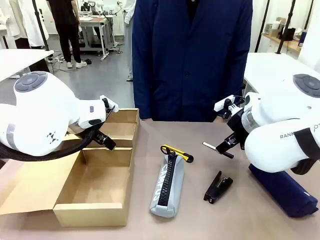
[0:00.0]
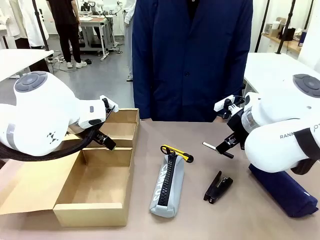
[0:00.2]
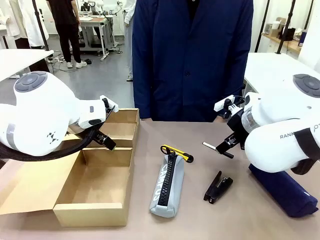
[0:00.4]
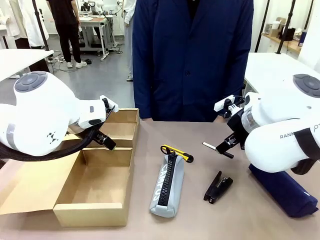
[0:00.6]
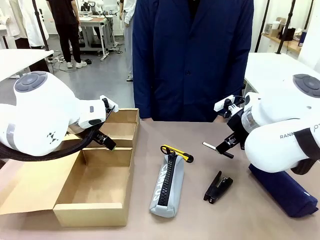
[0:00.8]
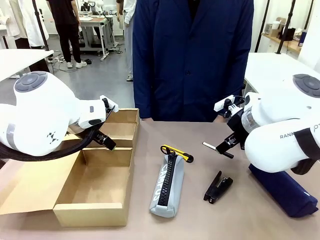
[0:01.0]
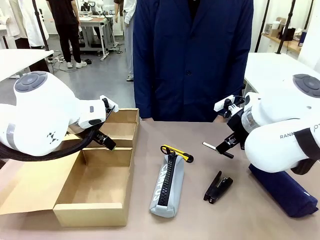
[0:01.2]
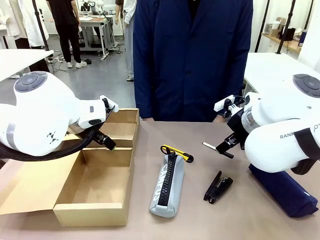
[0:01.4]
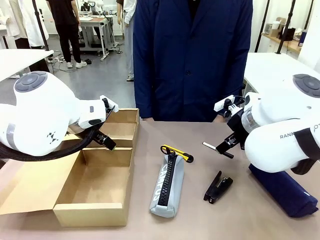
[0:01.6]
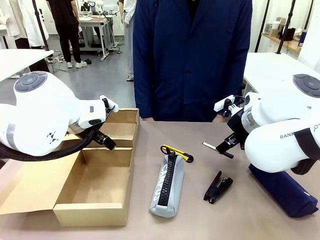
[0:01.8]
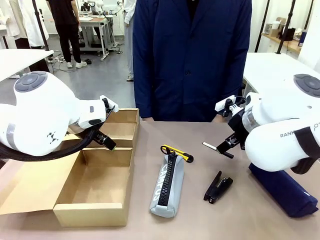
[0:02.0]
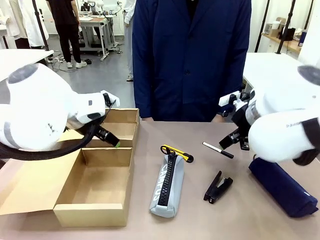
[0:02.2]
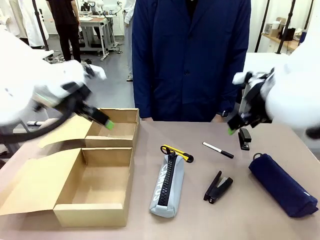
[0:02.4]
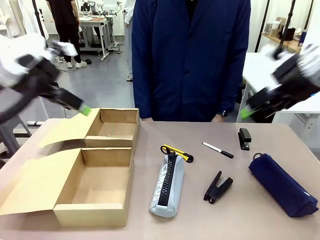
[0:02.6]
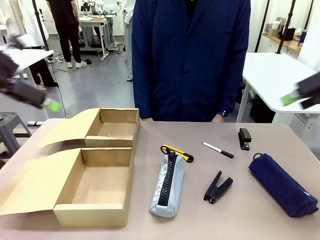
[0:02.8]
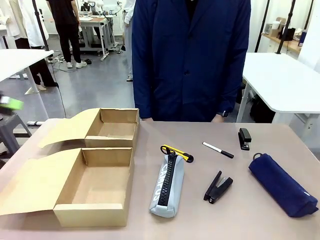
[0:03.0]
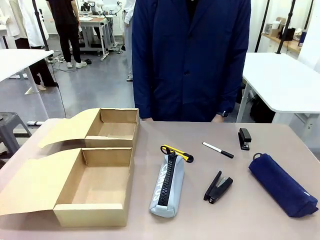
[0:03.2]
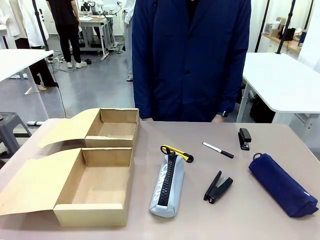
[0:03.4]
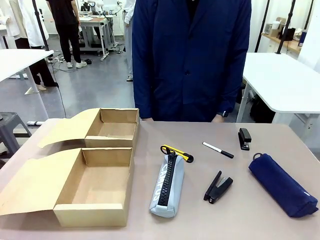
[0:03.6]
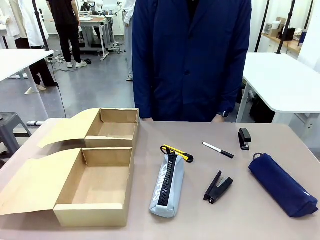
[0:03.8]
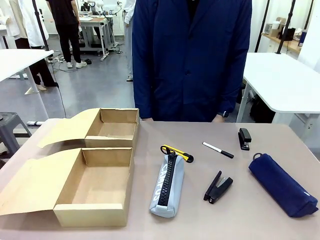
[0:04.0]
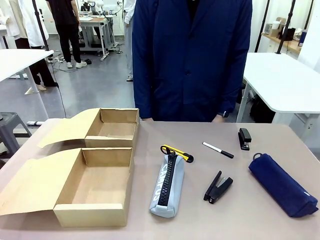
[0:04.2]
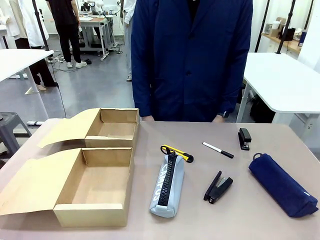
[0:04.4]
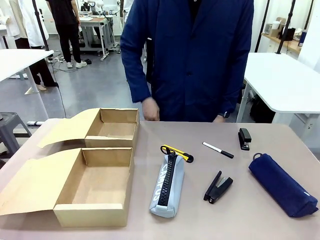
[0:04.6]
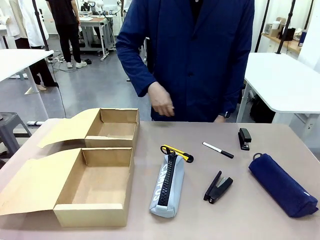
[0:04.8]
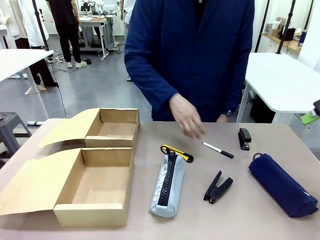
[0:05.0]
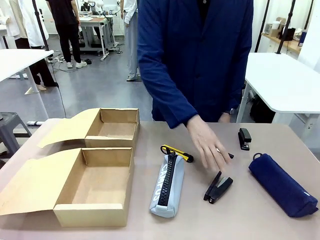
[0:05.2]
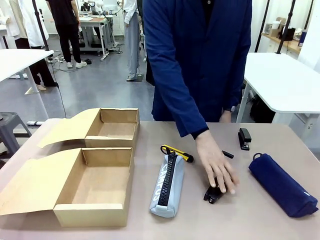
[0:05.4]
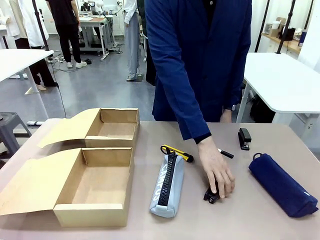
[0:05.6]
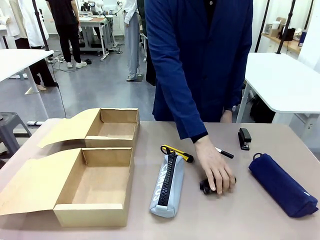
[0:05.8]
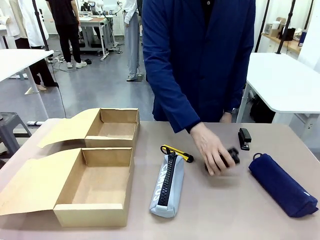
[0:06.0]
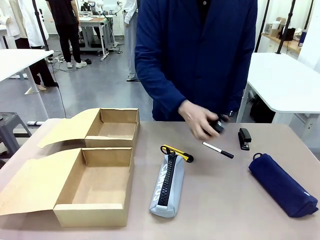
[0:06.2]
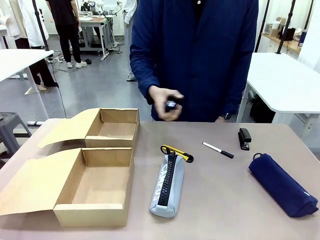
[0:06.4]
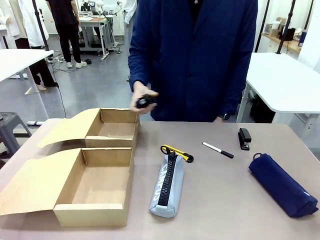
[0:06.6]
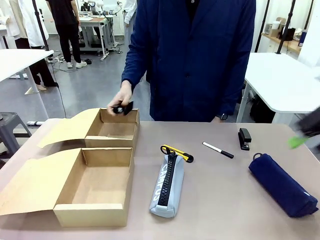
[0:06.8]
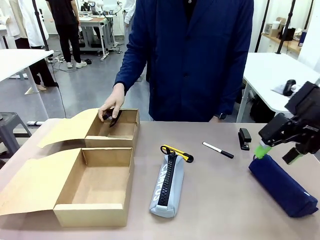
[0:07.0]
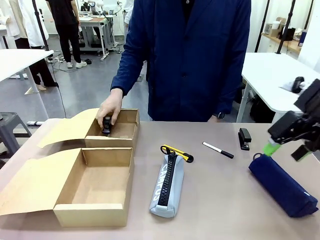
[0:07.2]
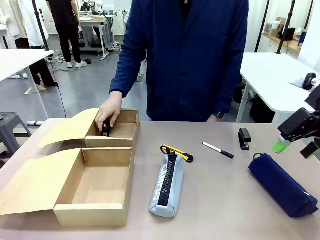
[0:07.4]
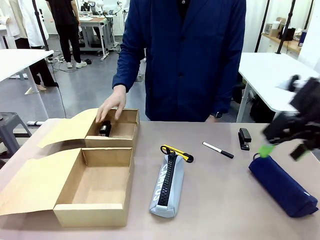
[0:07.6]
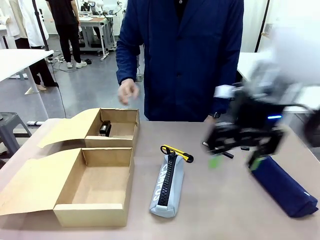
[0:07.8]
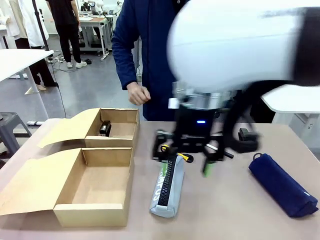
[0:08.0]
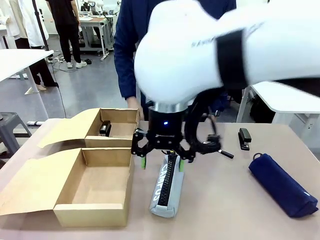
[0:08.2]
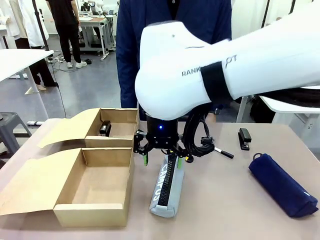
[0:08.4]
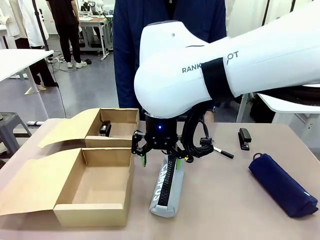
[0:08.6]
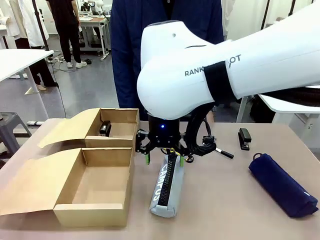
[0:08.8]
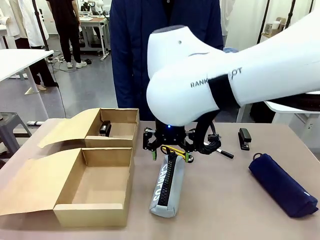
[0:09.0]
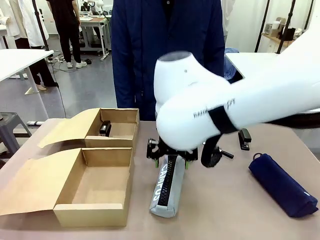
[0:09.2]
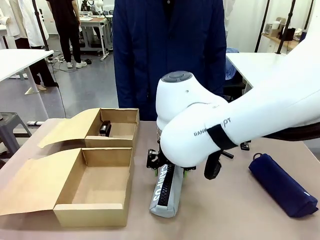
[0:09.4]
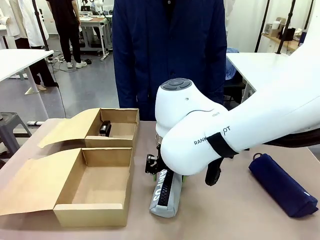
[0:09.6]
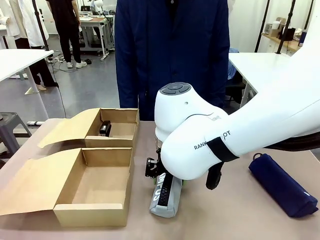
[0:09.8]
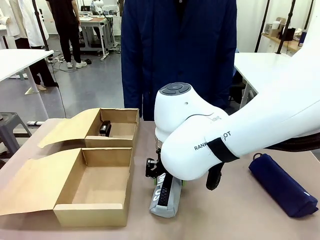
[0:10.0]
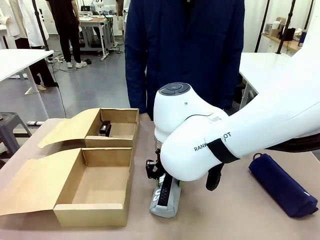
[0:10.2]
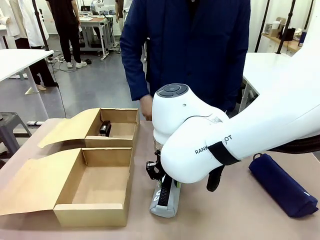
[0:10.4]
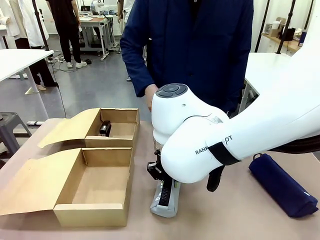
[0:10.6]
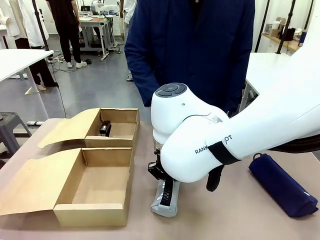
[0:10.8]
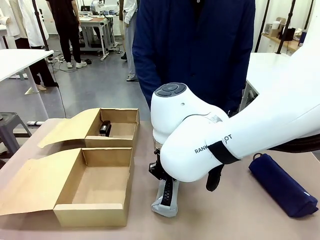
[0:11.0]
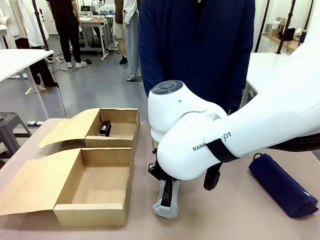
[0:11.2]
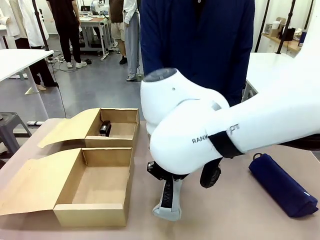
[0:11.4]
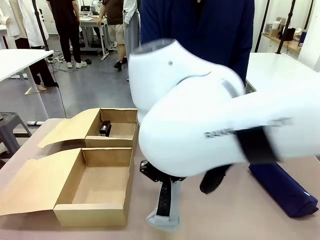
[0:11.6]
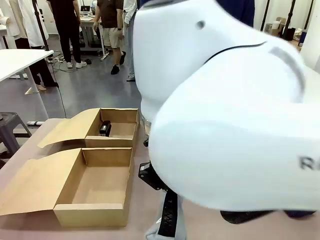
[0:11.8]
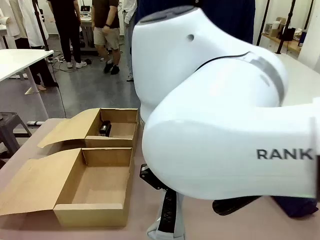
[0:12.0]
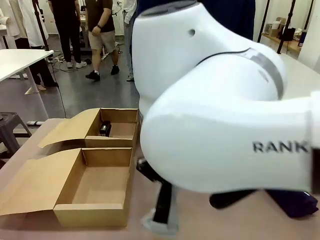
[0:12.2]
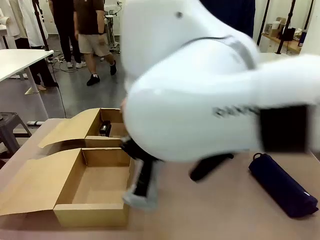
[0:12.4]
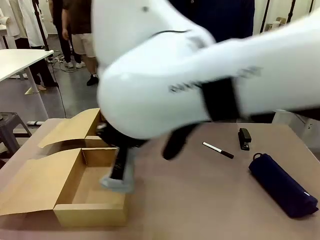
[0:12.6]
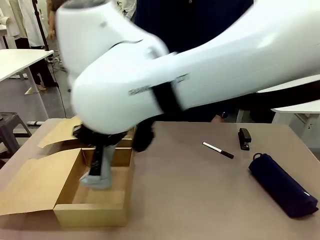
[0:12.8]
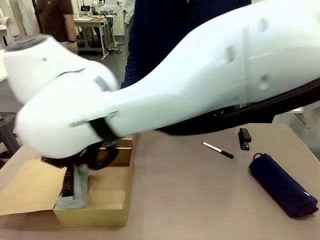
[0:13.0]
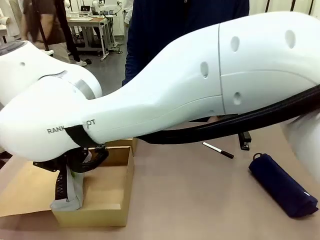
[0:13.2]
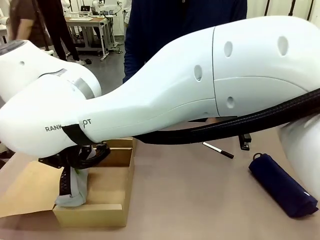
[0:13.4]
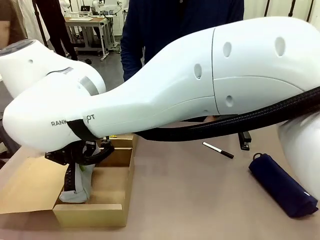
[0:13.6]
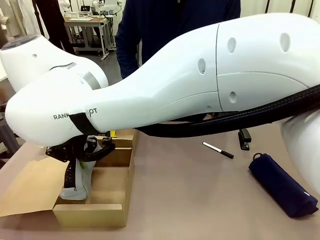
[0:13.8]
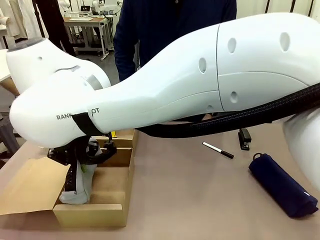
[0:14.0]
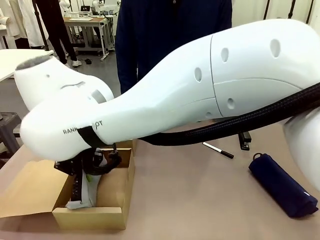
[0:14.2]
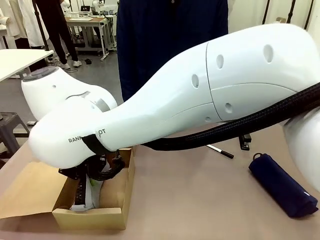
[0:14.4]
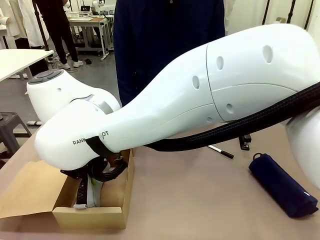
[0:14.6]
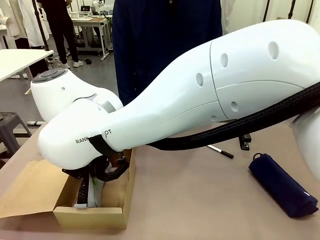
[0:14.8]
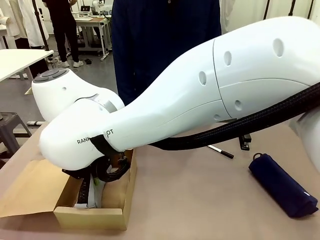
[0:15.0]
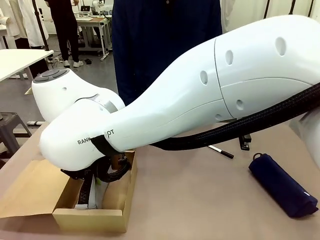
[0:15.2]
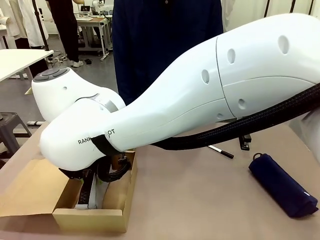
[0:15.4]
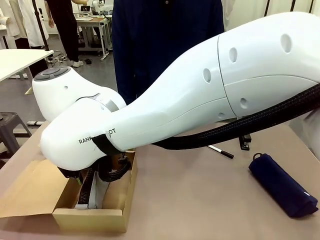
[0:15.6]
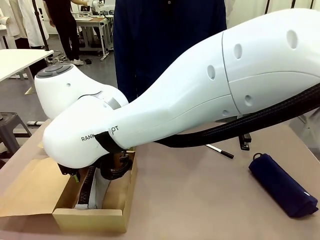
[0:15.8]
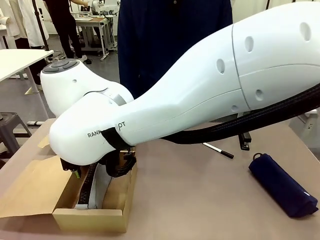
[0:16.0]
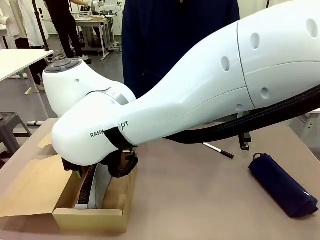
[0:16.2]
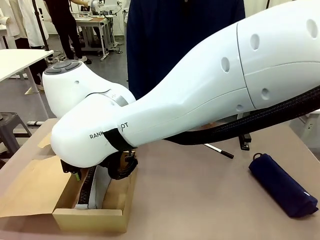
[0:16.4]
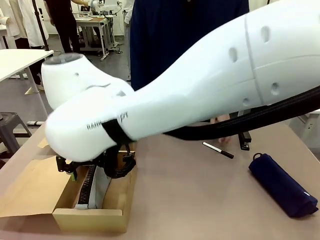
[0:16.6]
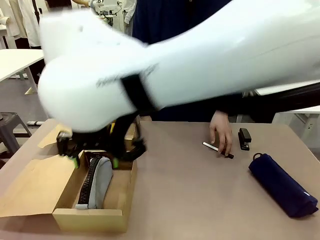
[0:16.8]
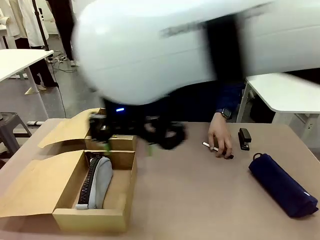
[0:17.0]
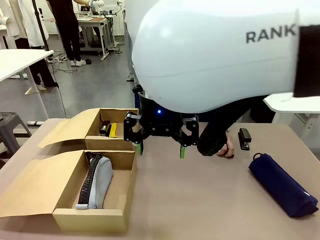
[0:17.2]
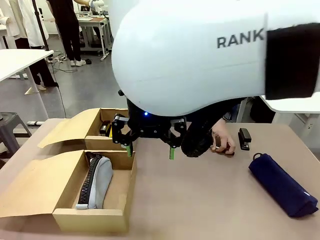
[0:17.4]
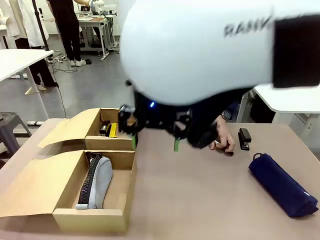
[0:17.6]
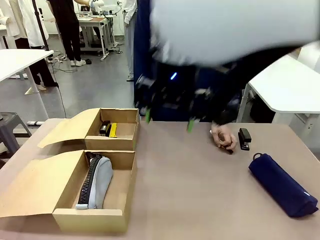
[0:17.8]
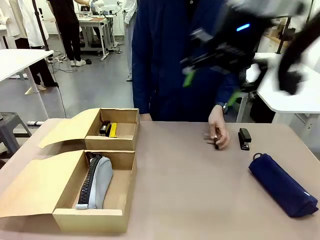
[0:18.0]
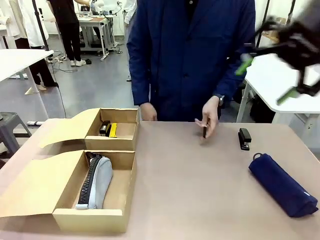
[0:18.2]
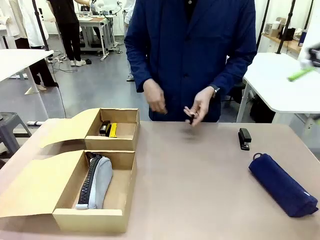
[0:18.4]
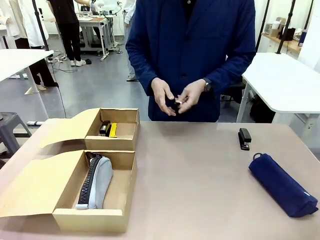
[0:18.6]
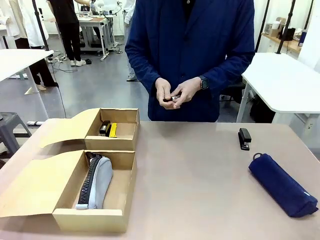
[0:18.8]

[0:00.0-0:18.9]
Task: Place items inside the box.
Robot: Pick up a Pencil pouch or Stapler and place it inside the Mailer Box closest to the robot.
Person: Pick up an object on the table and put it in the box.
